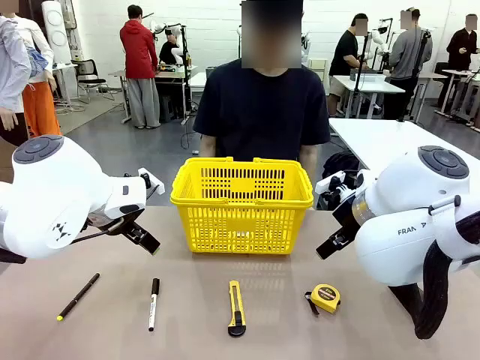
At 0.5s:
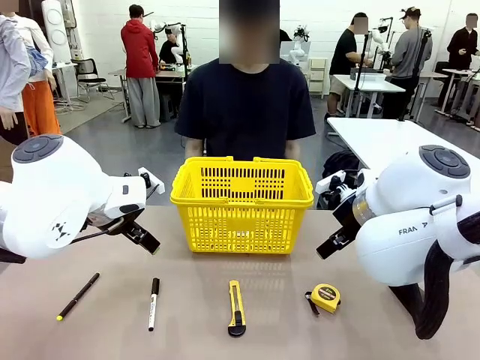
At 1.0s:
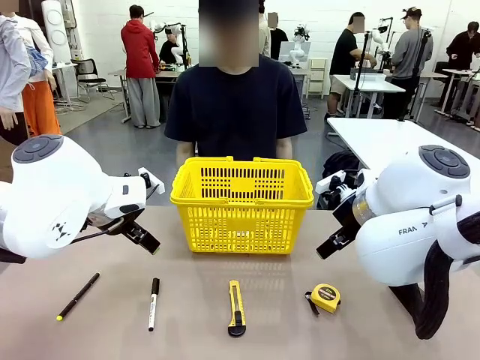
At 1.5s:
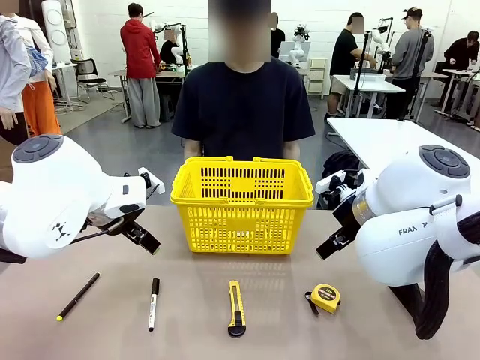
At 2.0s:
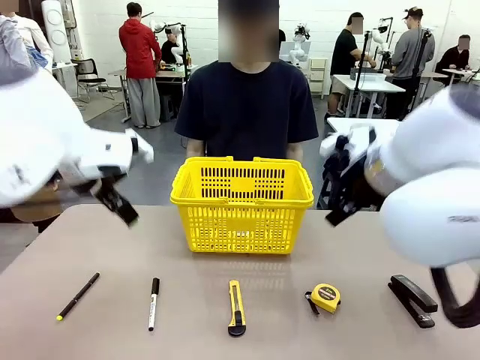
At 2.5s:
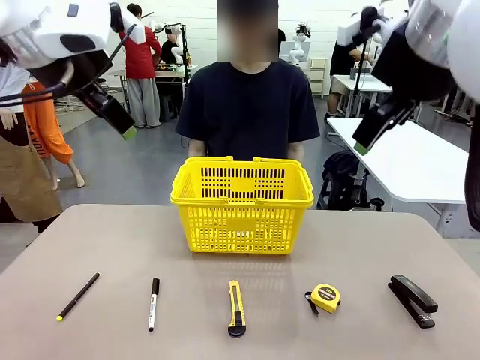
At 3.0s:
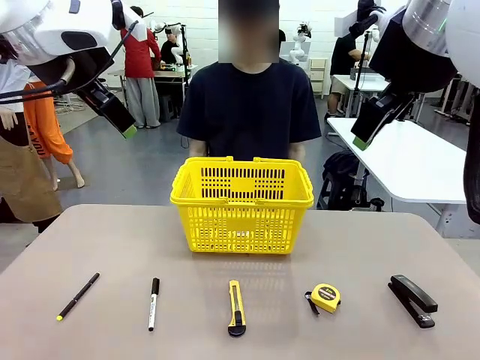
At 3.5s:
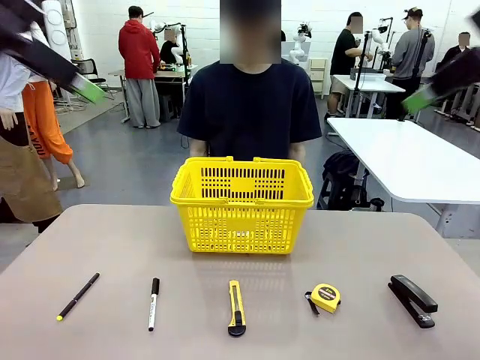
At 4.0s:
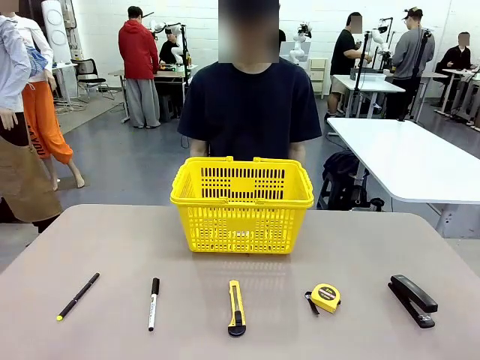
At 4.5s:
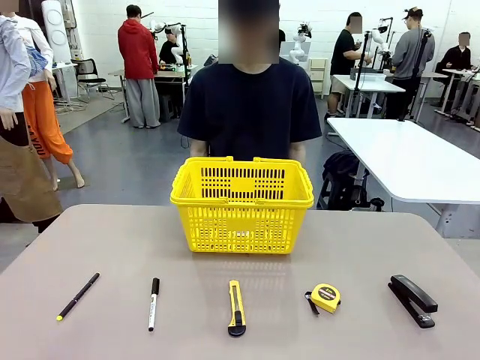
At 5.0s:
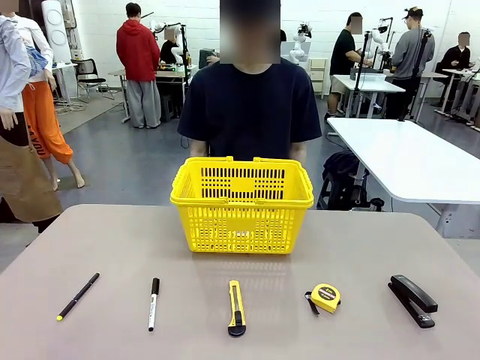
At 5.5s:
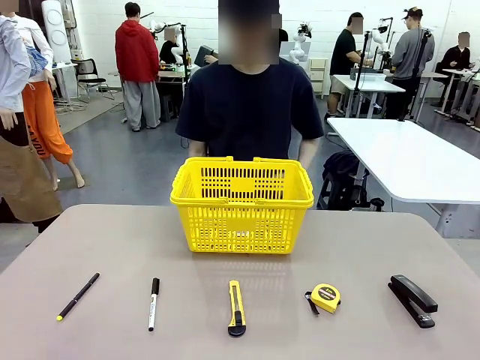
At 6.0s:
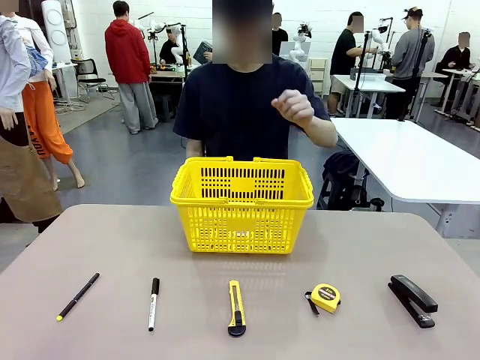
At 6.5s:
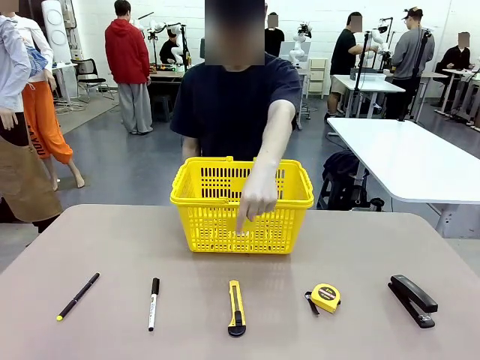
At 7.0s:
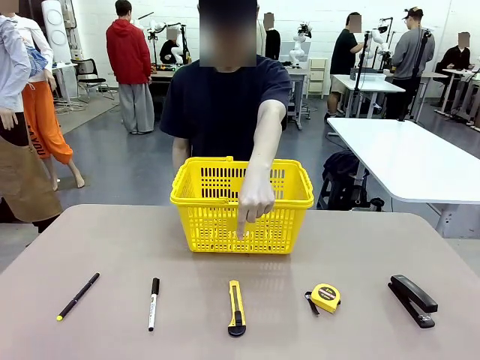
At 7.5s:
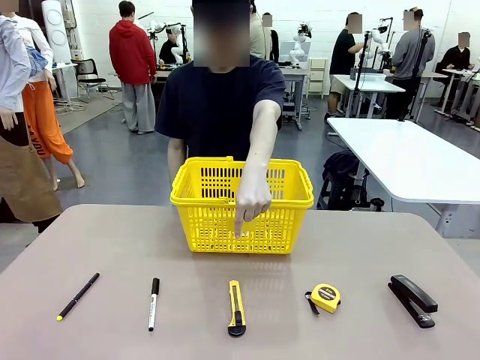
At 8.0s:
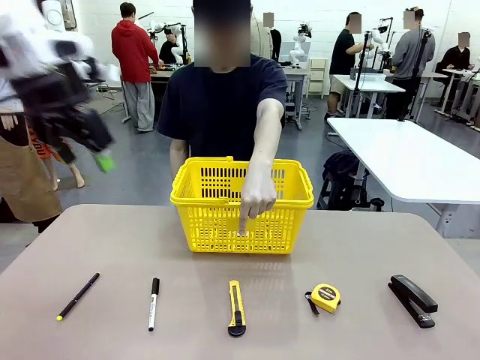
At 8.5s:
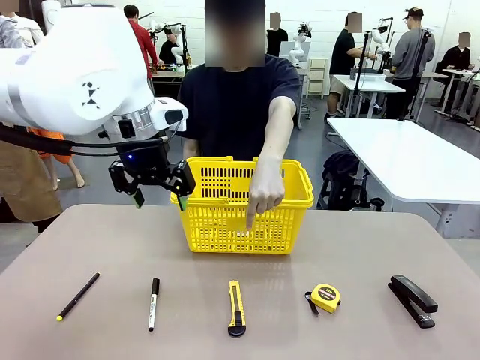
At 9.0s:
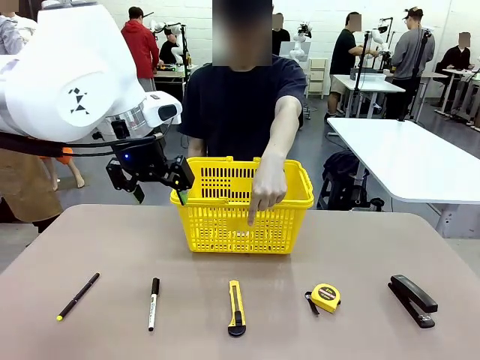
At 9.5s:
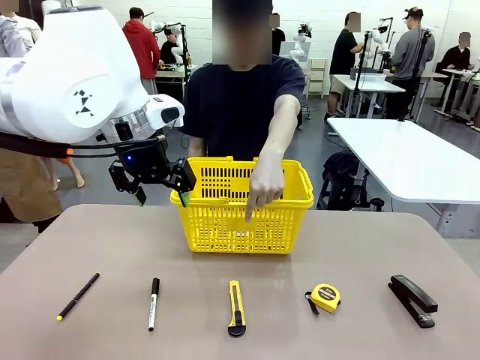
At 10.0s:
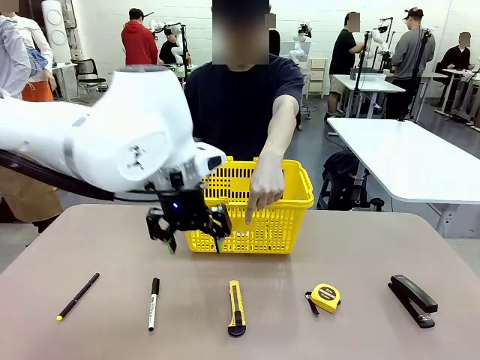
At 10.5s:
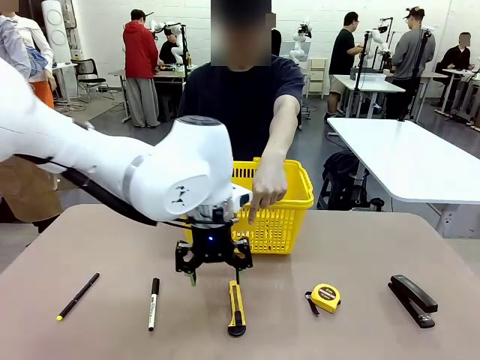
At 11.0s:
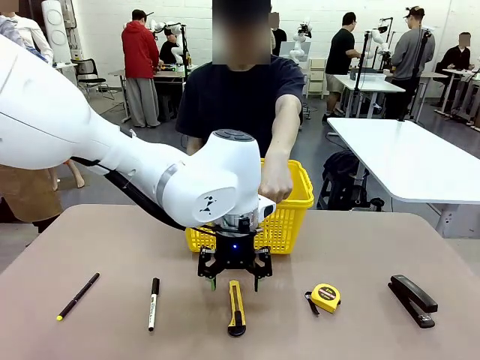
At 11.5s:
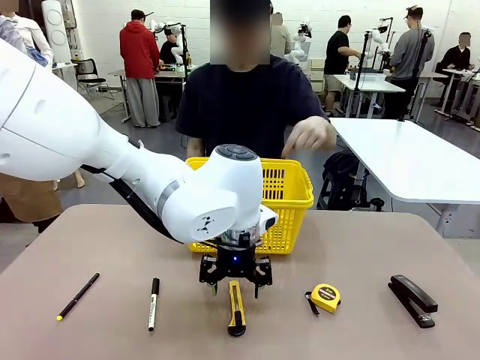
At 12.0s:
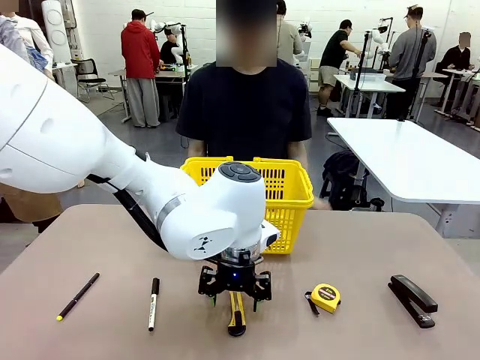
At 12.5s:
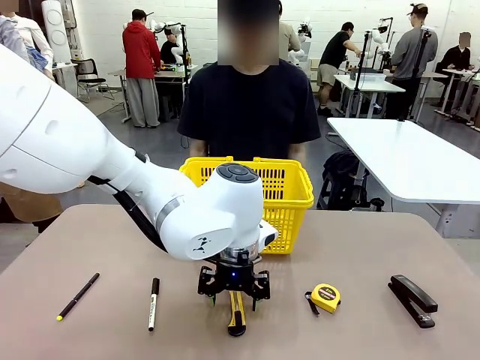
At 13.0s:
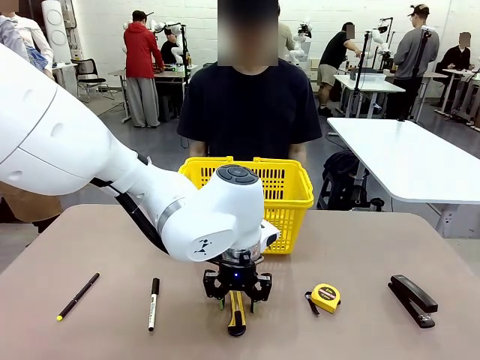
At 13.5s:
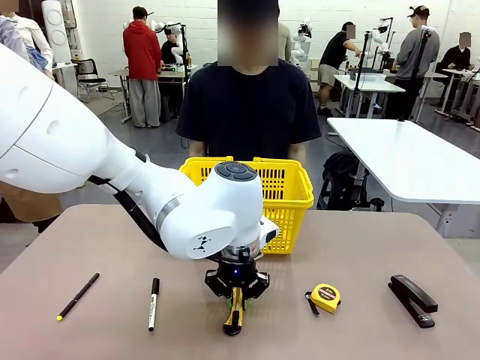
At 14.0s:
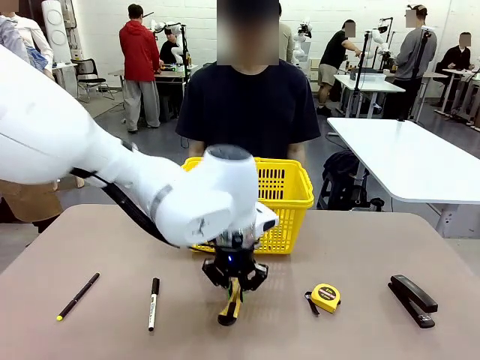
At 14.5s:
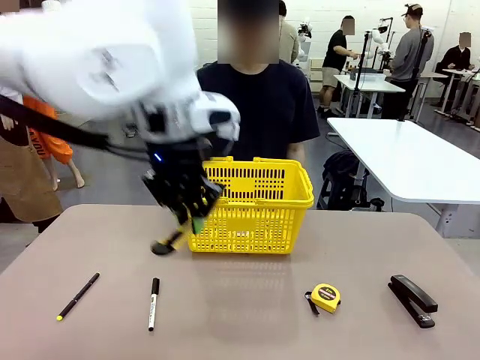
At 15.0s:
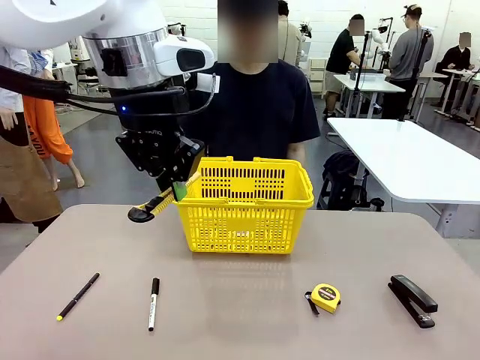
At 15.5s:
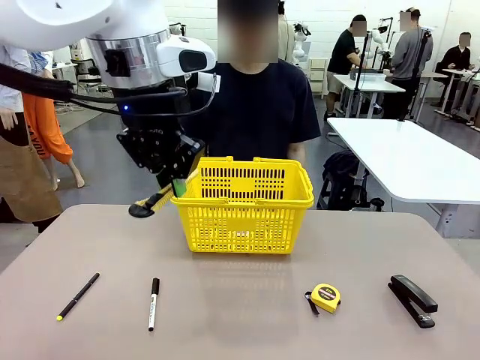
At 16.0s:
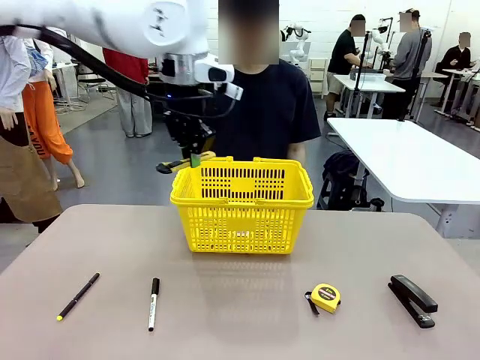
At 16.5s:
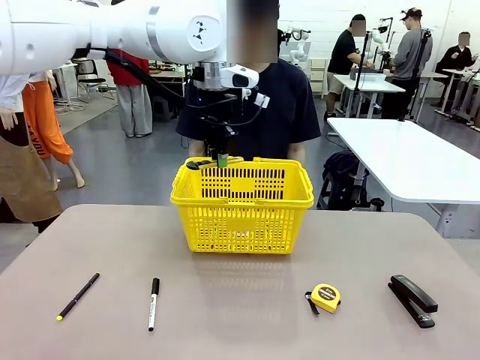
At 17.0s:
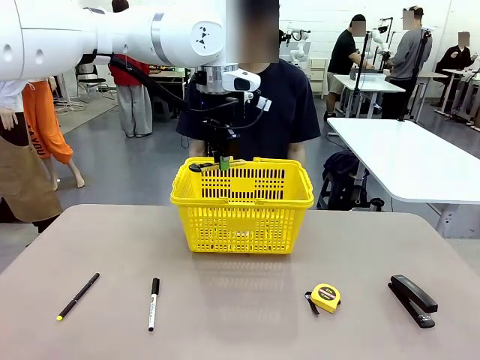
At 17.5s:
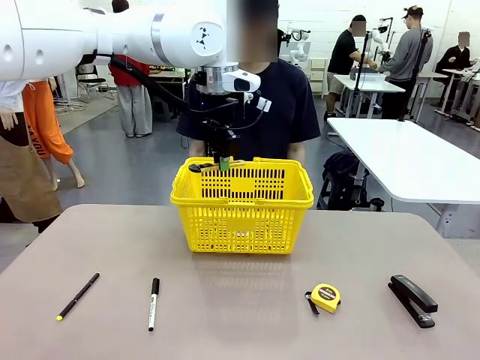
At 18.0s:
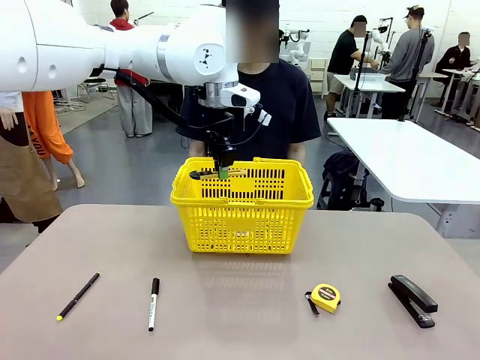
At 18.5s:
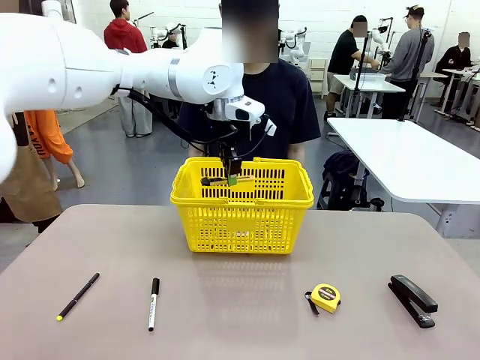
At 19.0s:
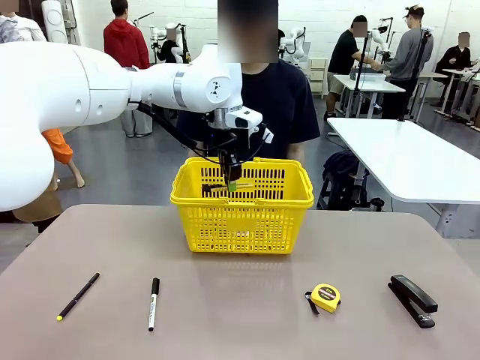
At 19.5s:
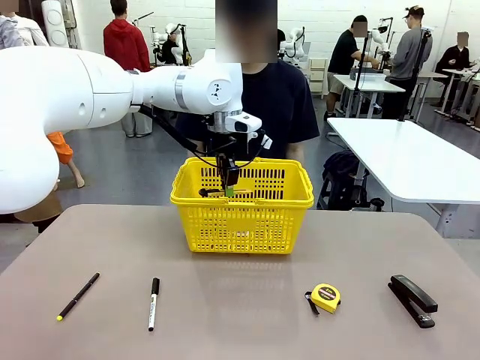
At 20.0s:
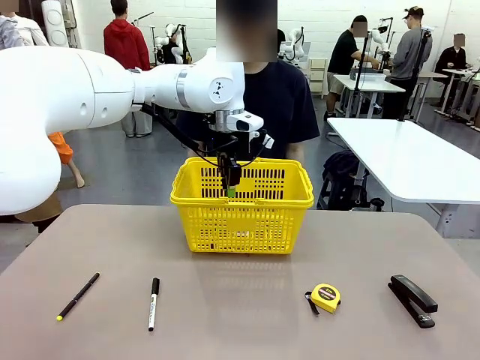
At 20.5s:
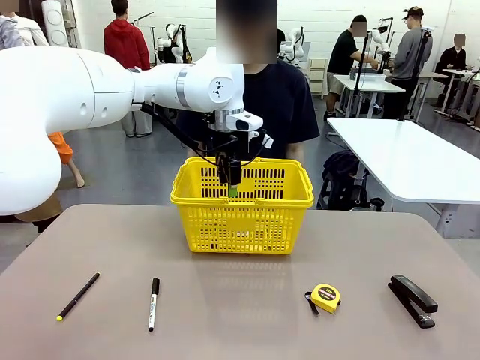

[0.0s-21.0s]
Task: Place the items the person wants into the basket.
Robot: Pick up the item the person points to and place it in the Market Basket.
